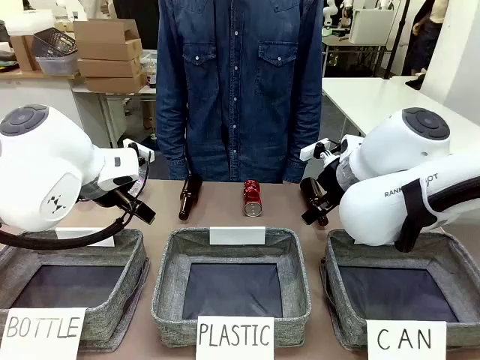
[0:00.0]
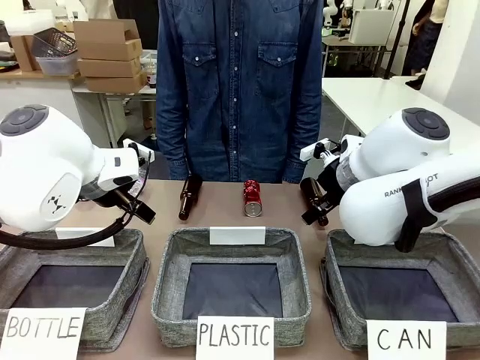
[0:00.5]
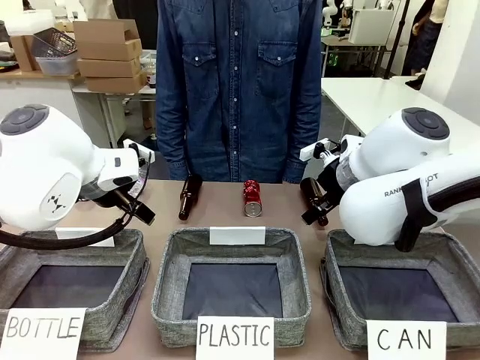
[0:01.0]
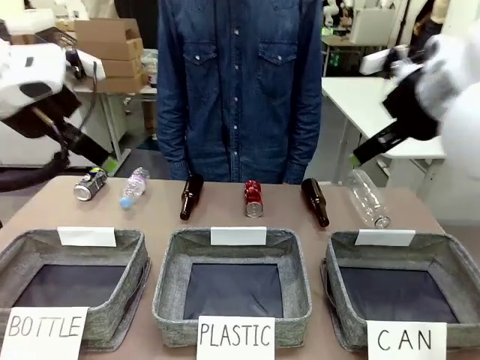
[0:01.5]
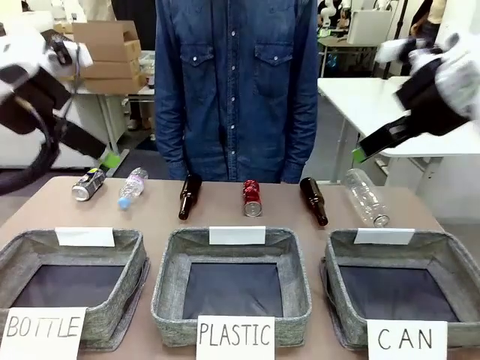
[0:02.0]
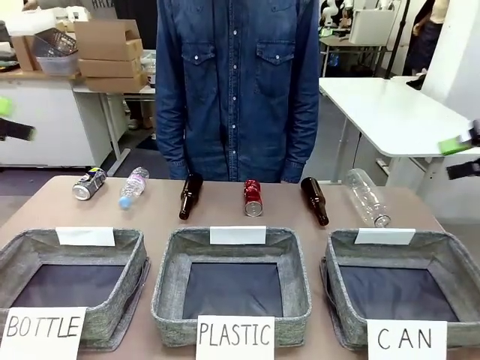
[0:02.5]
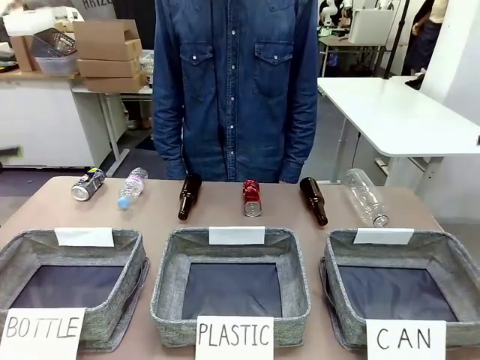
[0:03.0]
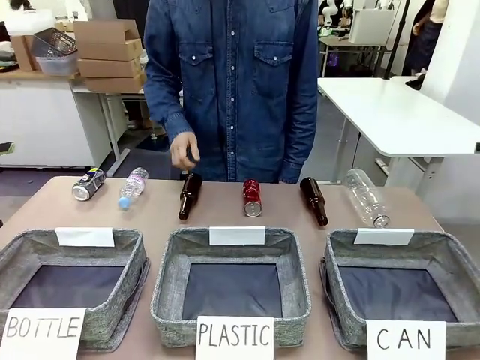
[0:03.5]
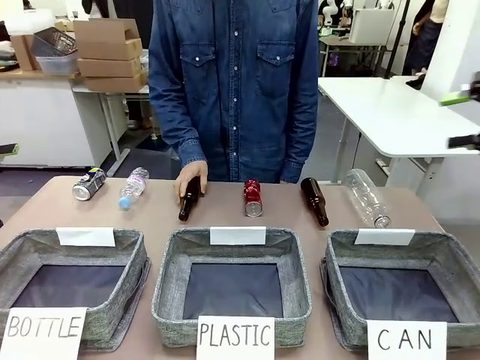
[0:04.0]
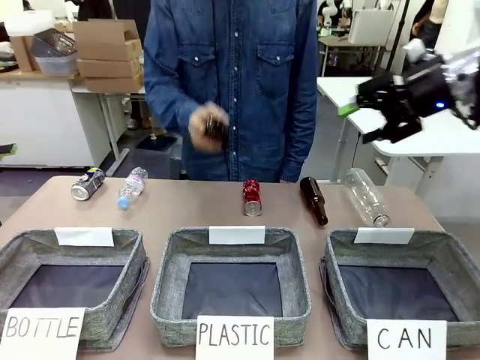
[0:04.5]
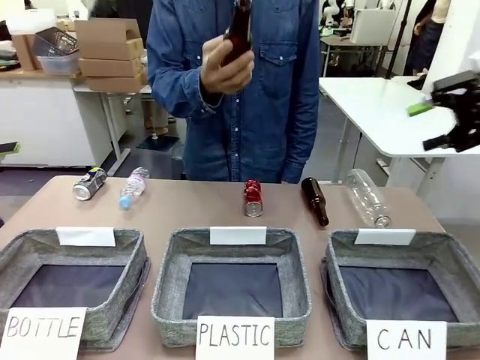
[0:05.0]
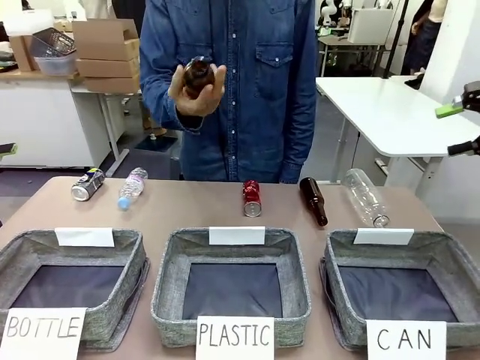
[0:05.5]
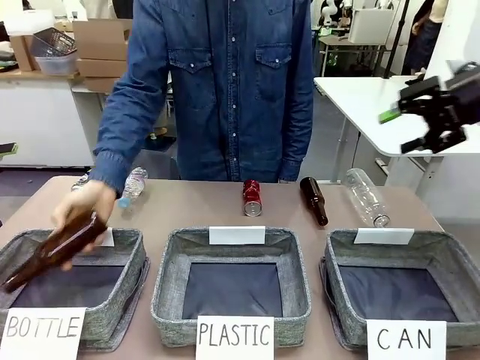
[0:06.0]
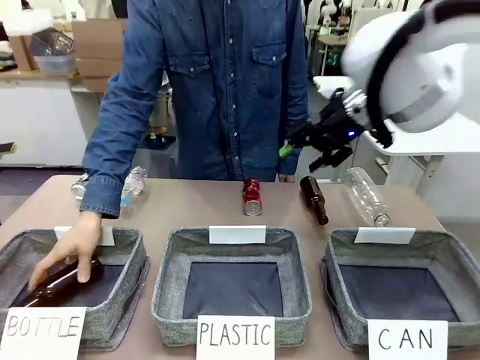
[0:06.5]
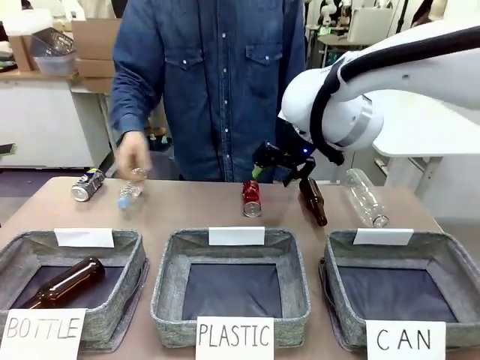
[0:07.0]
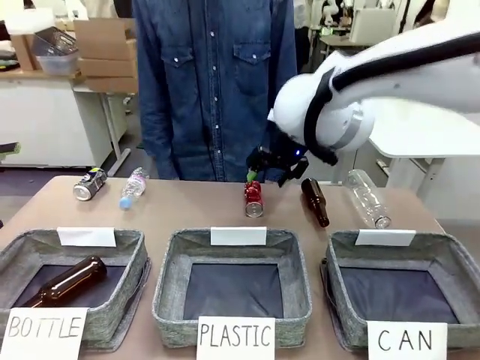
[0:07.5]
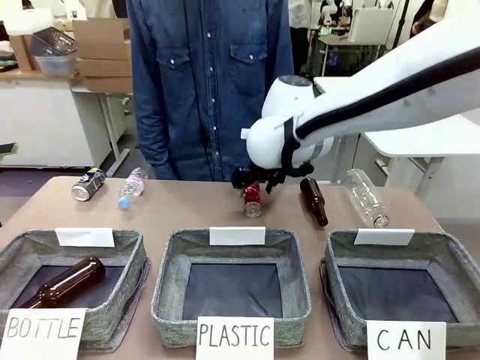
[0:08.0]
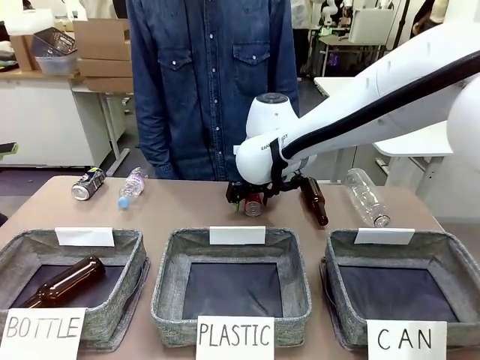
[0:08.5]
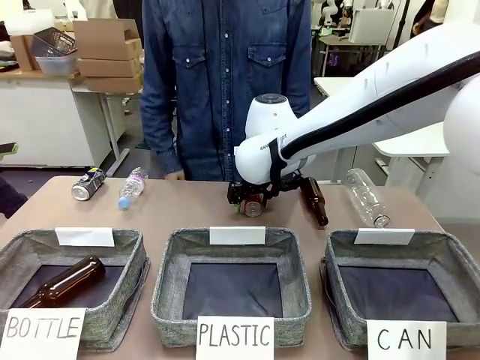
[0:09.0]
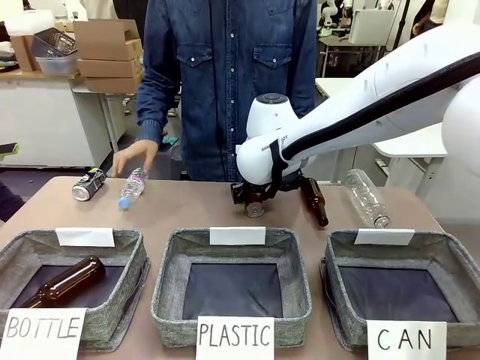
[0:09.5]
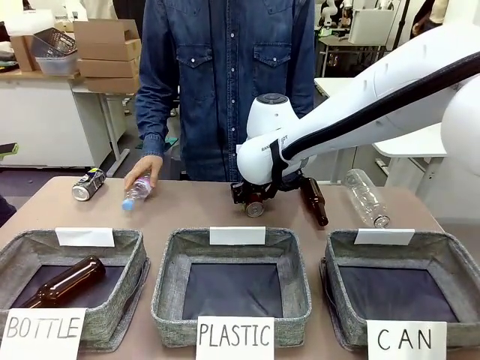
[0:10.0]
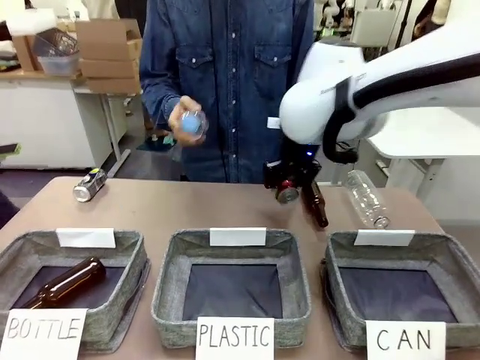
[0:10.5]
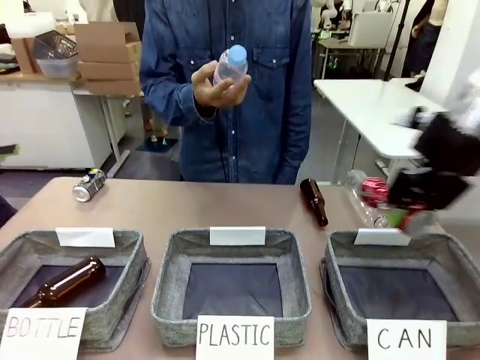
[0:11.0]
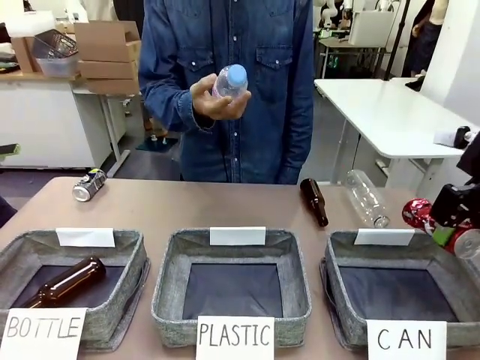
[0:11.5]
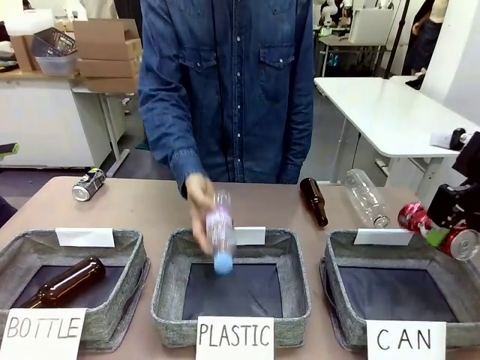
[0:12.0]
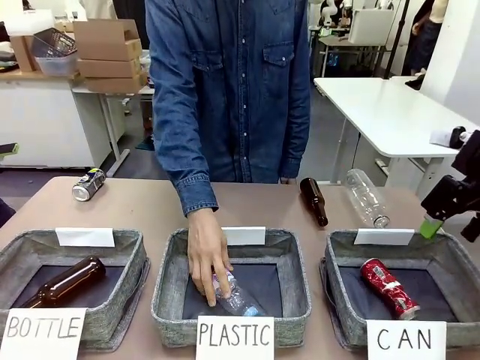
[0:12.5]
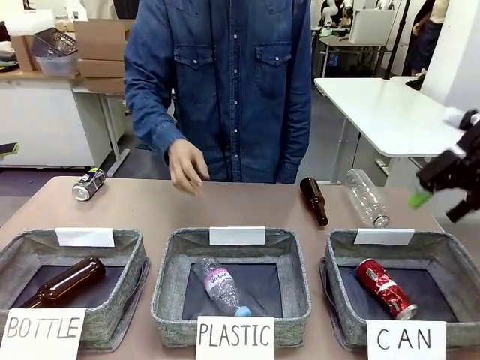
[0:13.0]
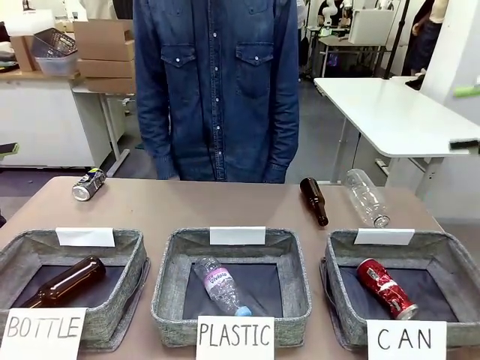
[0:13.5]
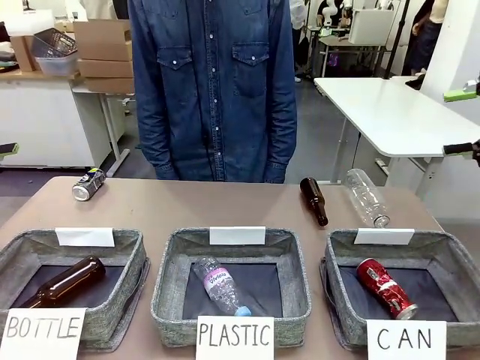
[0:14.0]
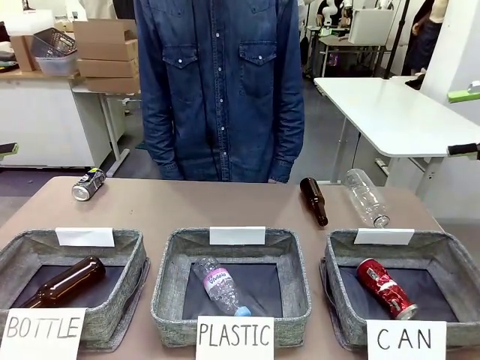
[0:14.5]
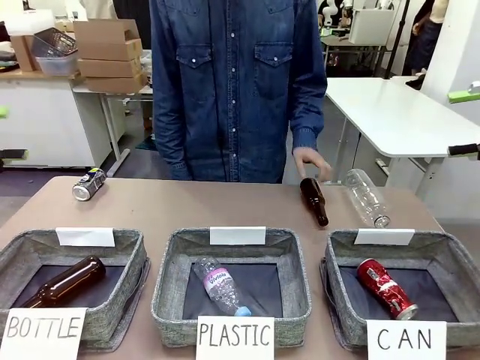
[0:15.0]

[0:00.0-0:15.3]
Task: Sort the can waste into the basket.
Robot: Pick up the can waste from the table and place it in the right Fabric basket.

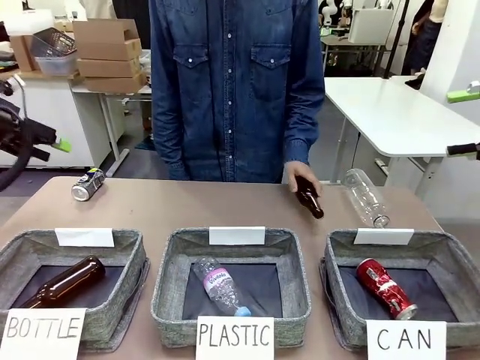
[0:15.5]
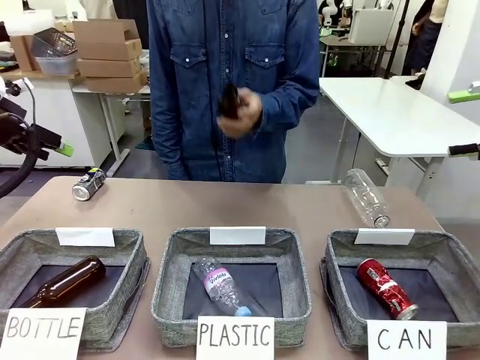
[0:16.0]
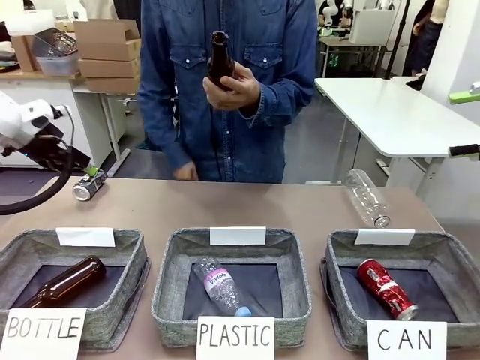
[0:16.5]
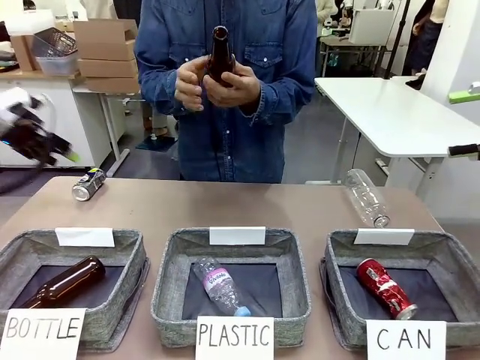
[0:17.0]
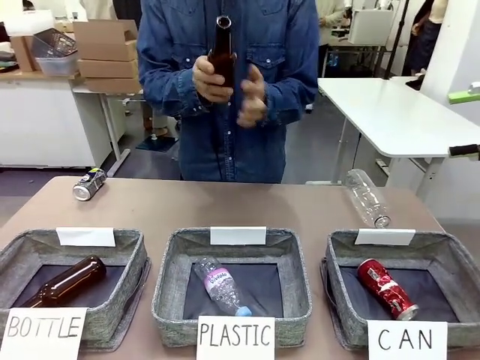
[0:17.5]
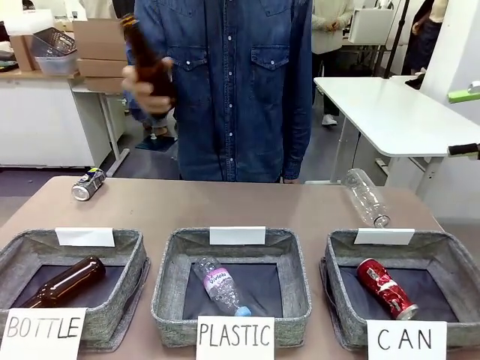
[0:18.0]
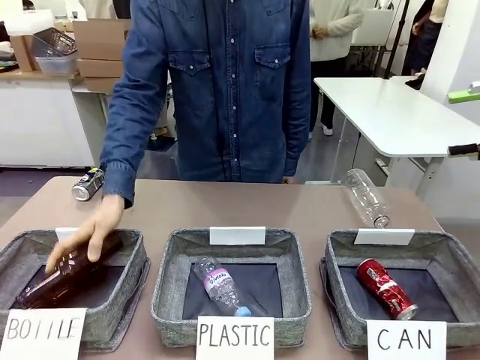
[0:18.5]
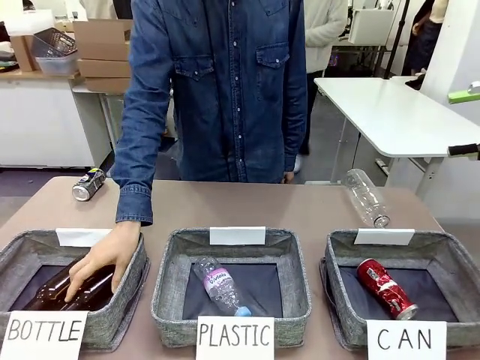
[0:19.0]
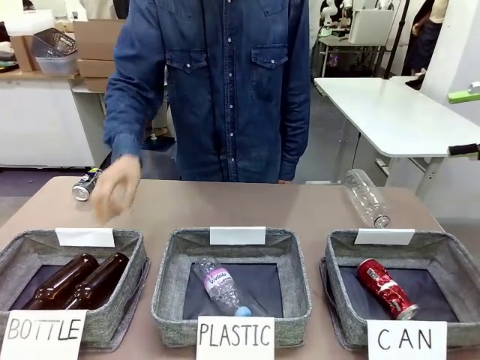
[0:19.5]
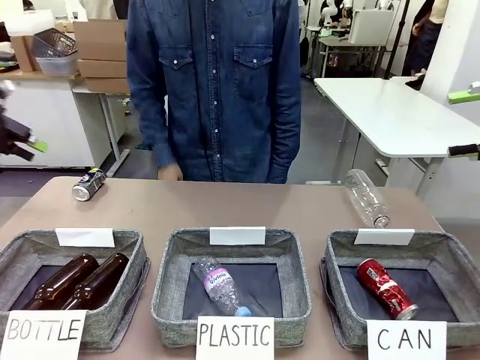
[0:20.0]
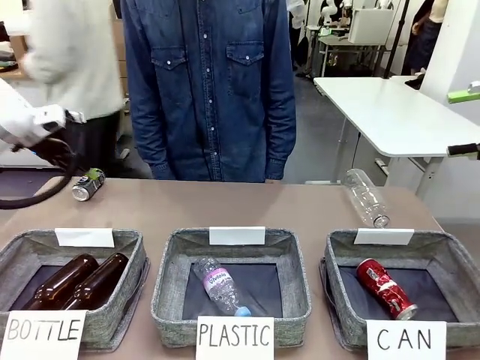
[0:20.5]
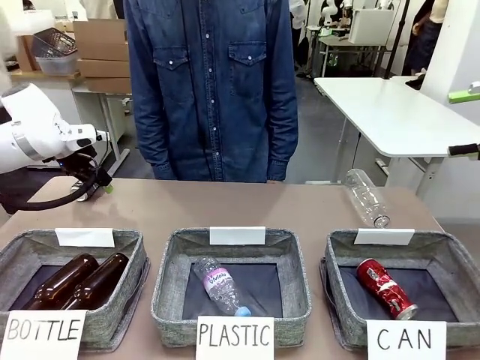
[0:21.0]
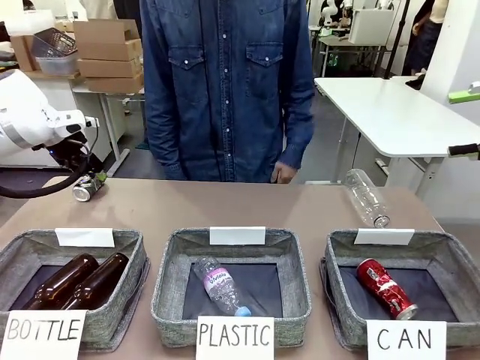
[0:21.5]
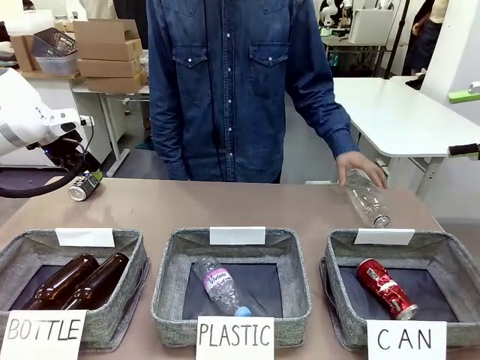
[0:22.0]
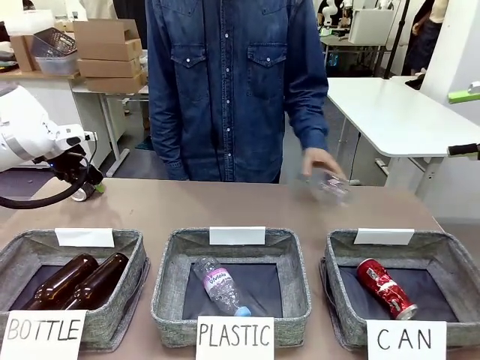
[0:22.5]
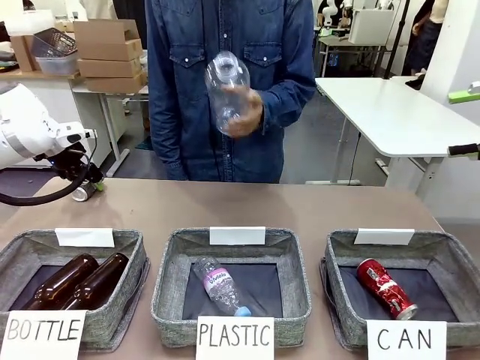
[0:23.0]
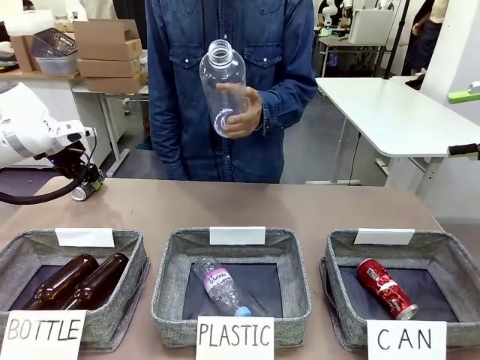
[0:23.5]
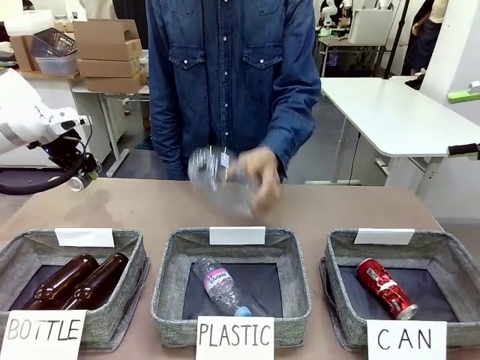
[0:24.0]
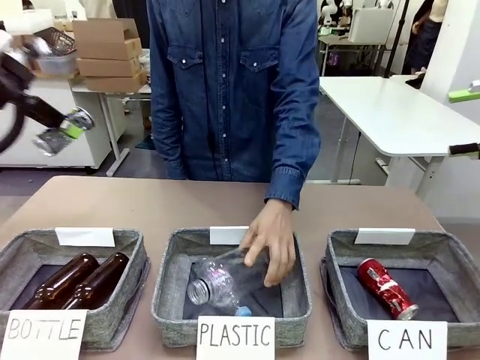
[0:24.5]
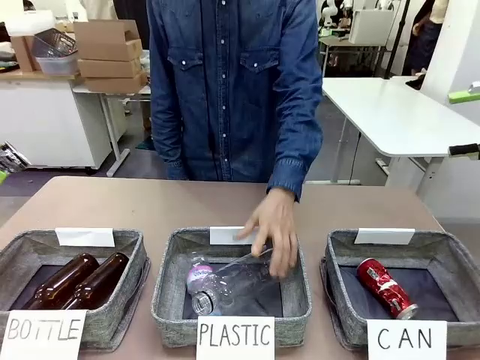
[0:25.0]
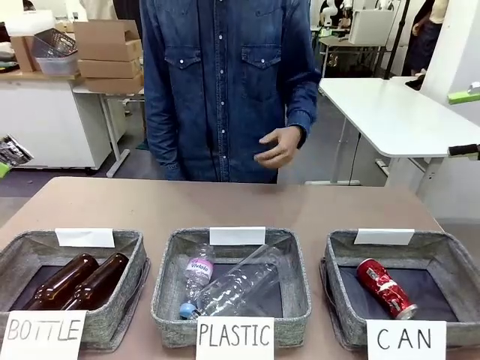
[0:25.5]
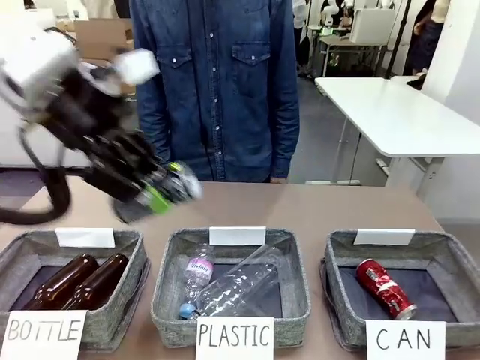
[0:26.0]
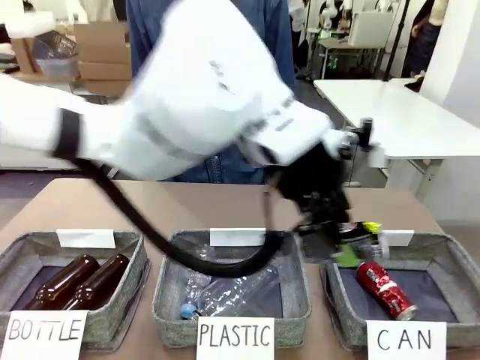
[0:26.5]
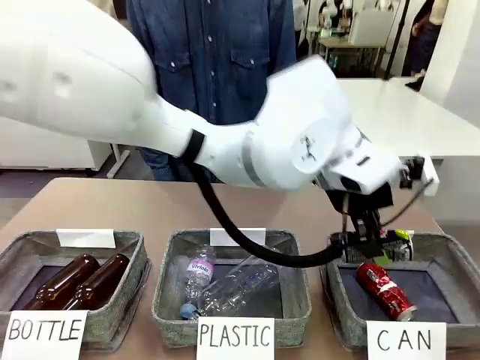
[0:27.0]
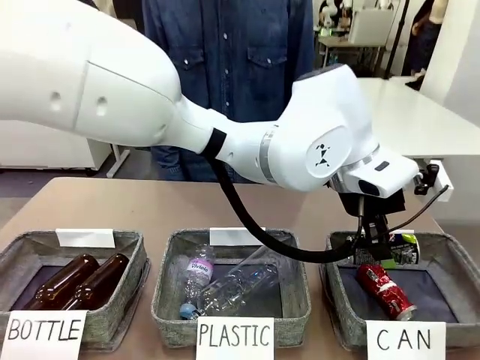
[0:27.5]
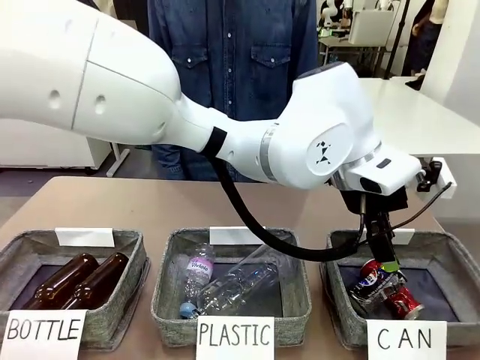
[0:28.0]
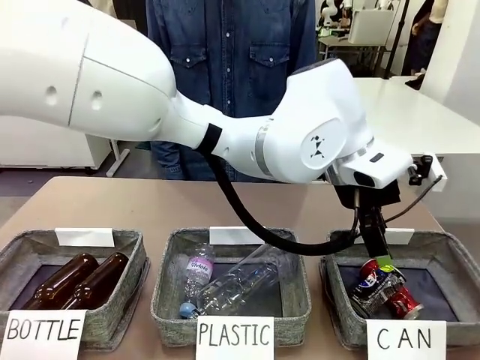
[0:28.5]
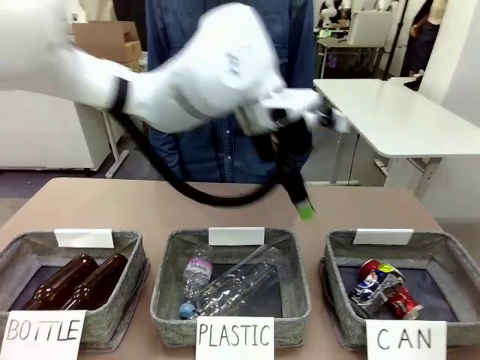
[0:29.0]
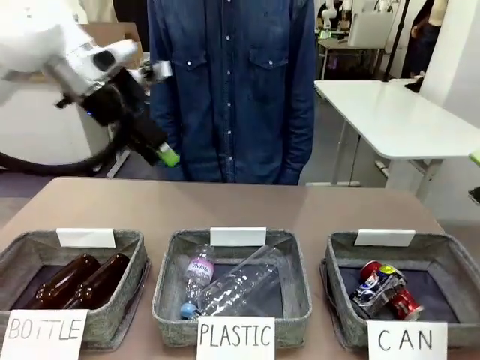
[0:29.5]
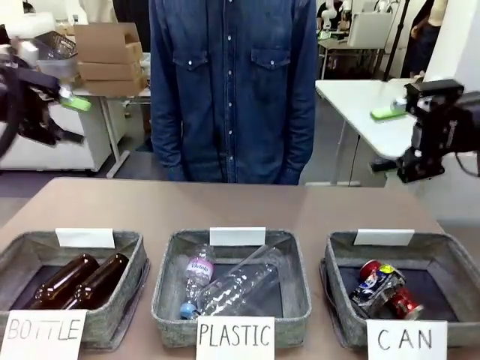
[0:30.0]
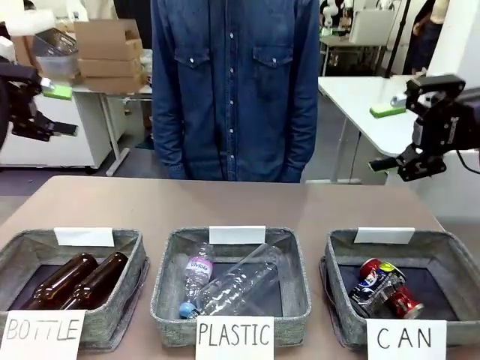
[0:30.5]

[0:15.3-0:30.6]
Robot: Pick up the can waste from the table and place it in the right Fabric basket.
